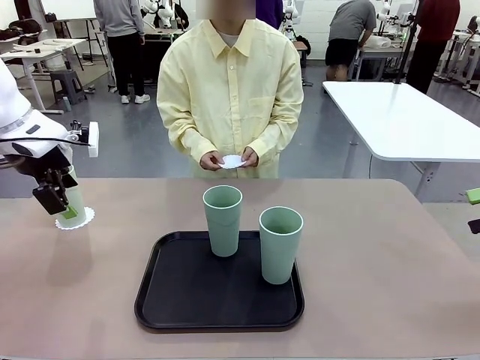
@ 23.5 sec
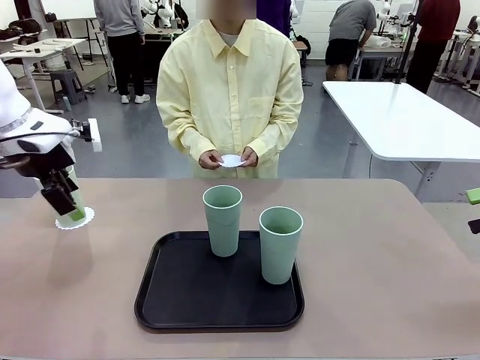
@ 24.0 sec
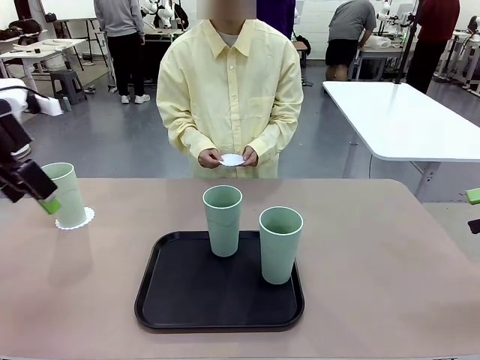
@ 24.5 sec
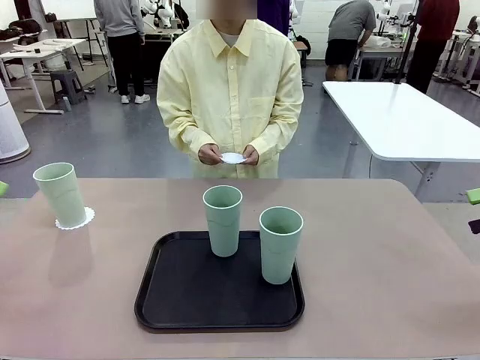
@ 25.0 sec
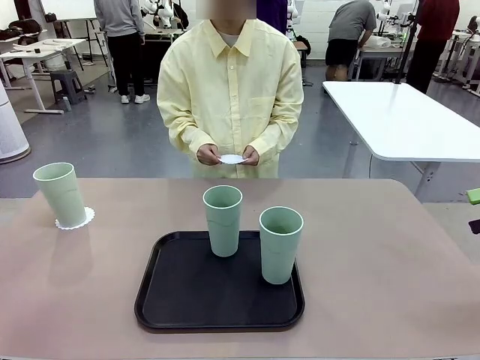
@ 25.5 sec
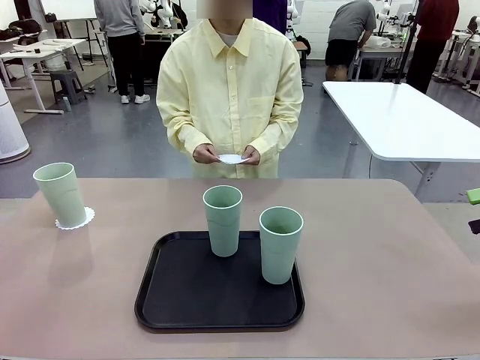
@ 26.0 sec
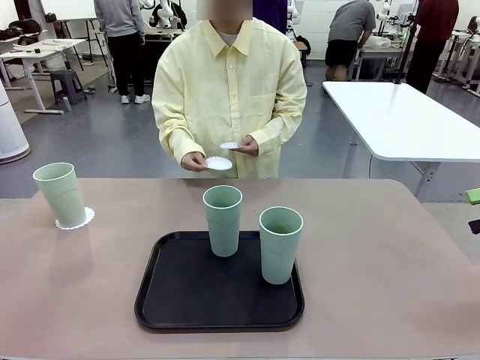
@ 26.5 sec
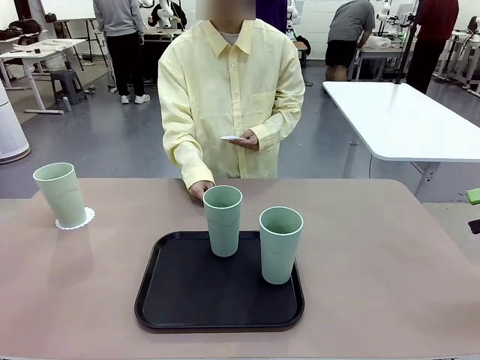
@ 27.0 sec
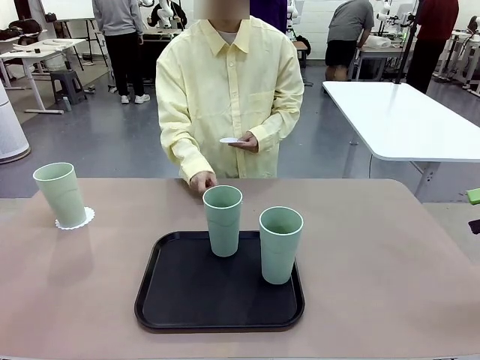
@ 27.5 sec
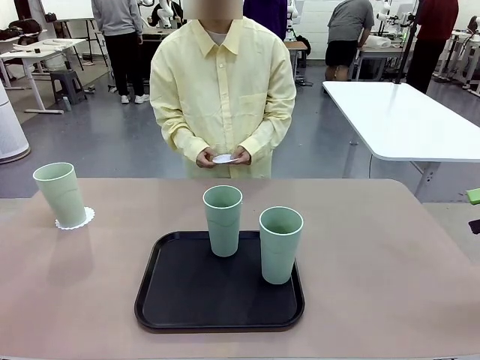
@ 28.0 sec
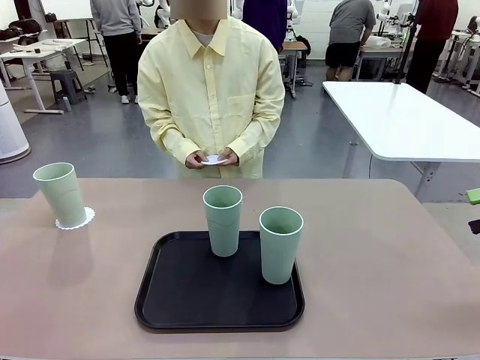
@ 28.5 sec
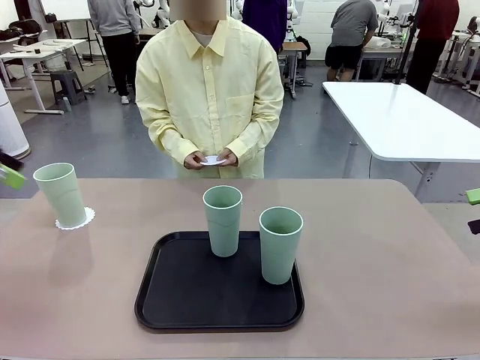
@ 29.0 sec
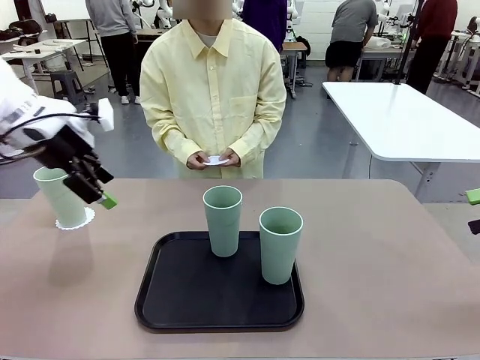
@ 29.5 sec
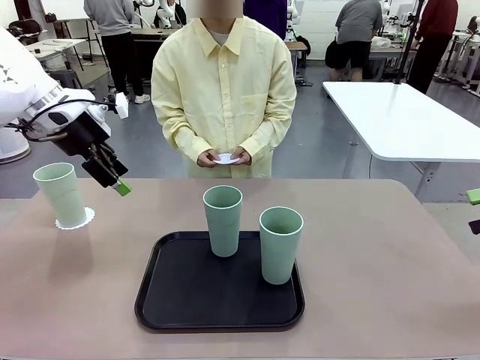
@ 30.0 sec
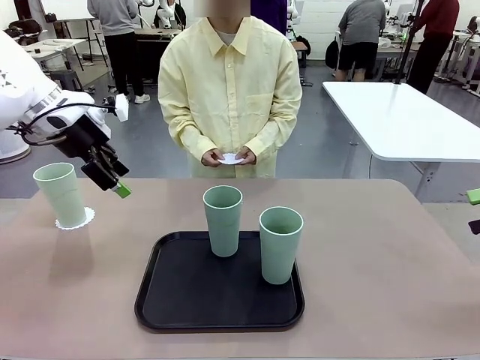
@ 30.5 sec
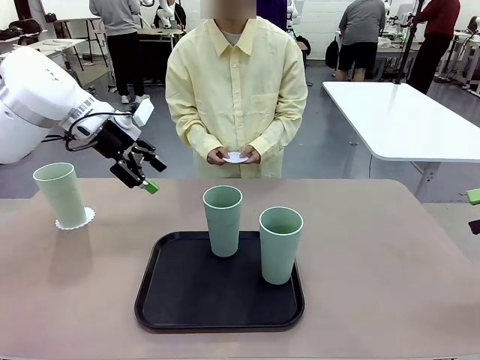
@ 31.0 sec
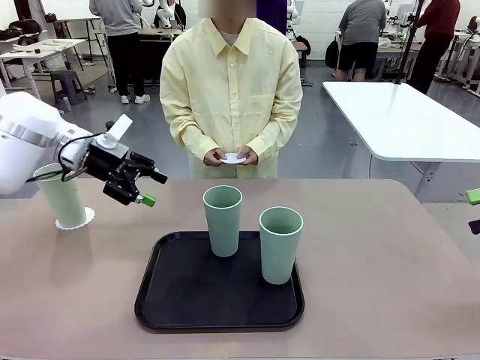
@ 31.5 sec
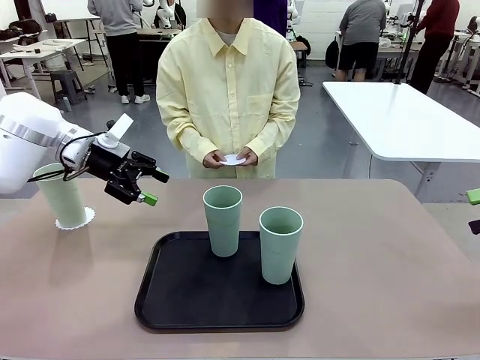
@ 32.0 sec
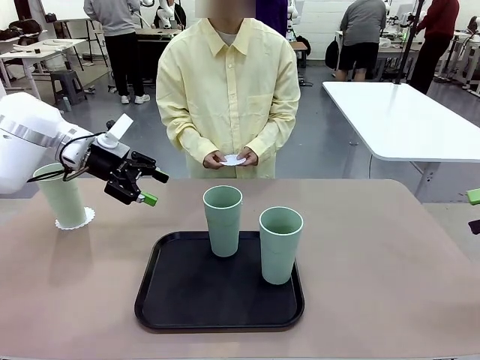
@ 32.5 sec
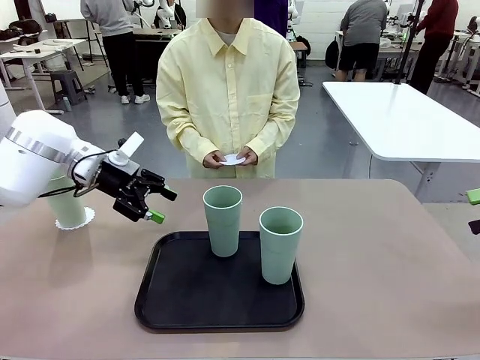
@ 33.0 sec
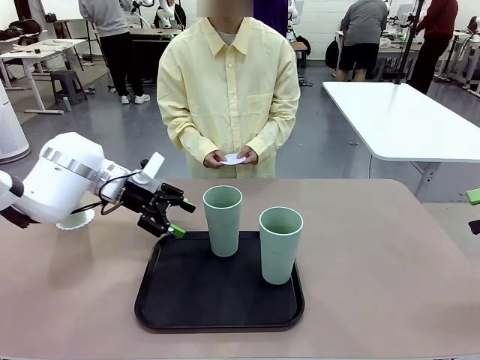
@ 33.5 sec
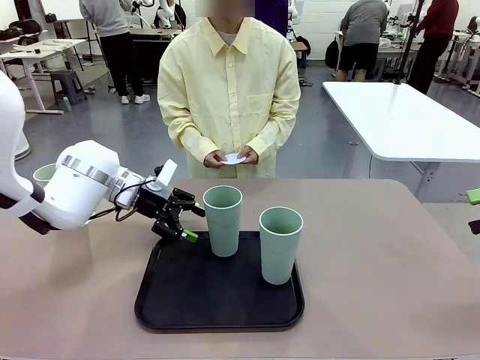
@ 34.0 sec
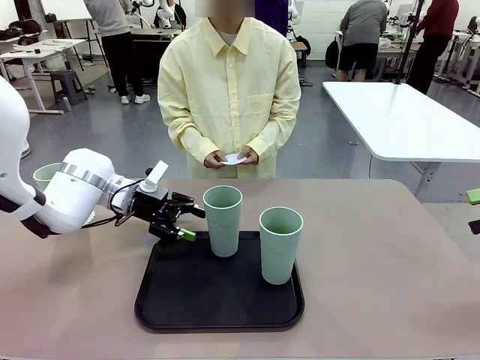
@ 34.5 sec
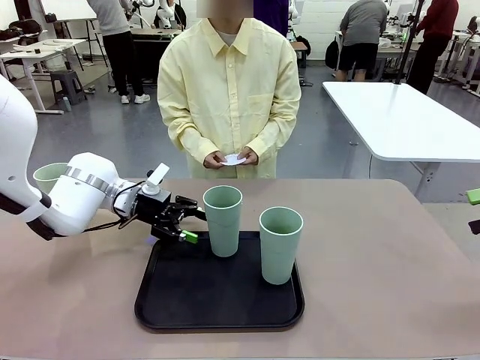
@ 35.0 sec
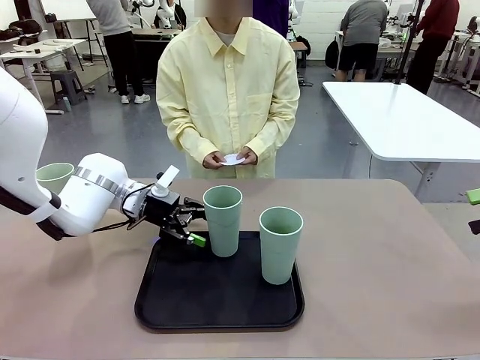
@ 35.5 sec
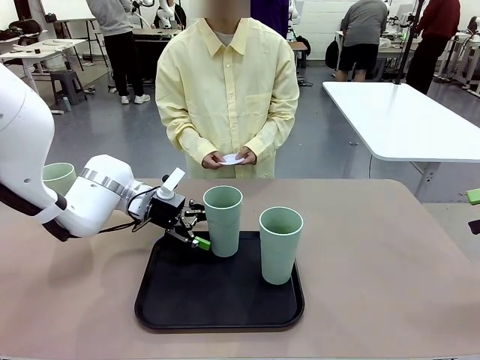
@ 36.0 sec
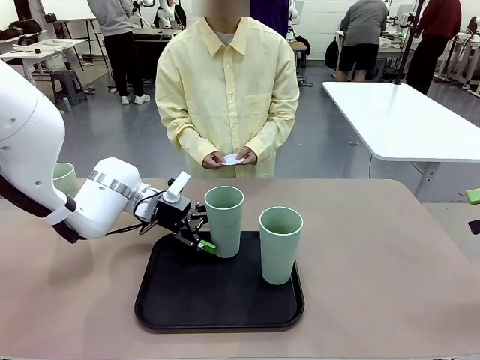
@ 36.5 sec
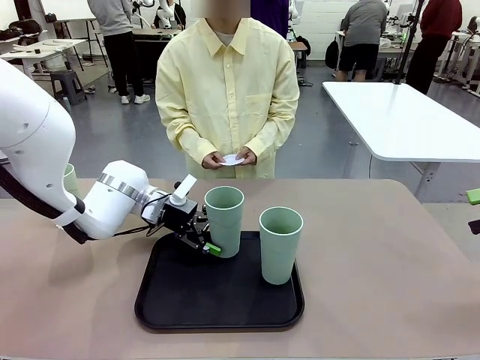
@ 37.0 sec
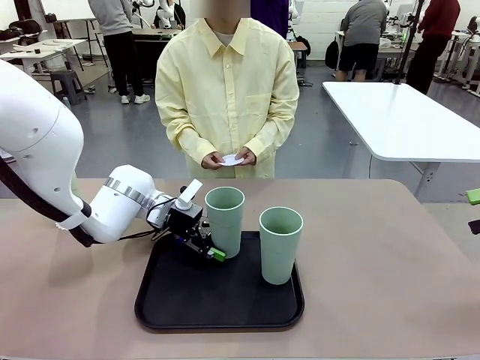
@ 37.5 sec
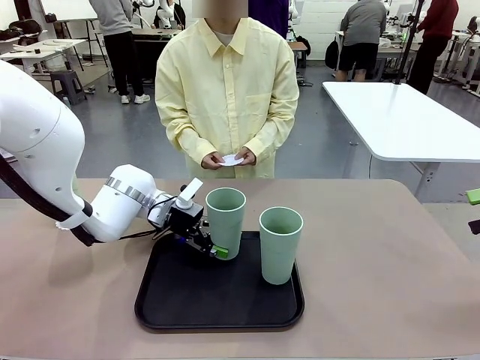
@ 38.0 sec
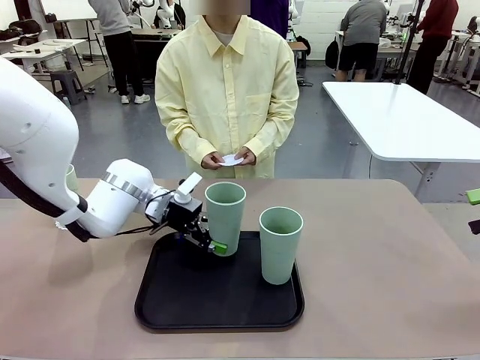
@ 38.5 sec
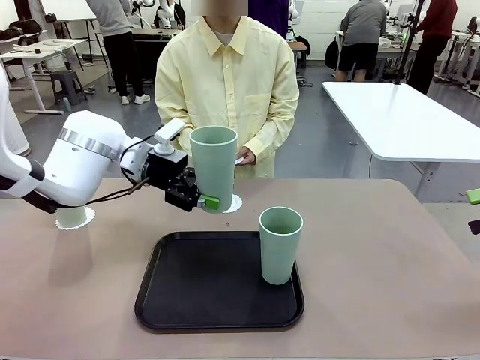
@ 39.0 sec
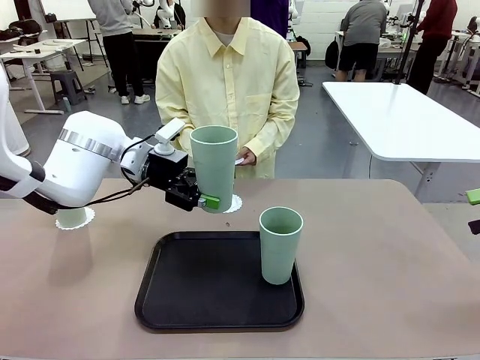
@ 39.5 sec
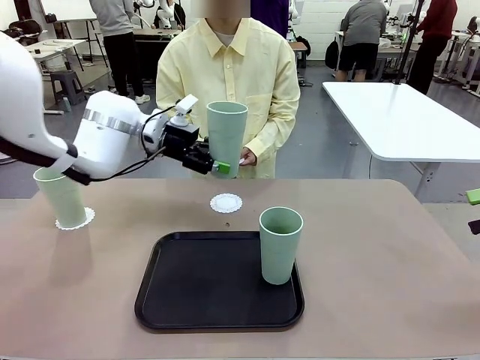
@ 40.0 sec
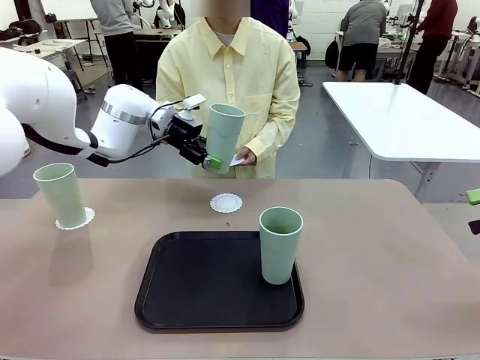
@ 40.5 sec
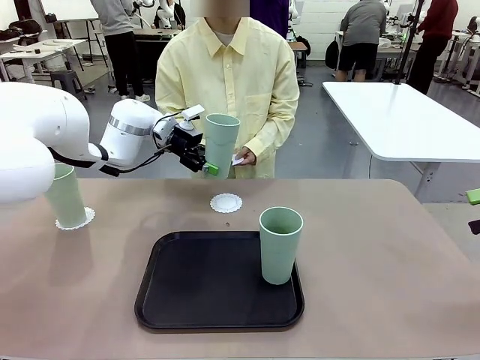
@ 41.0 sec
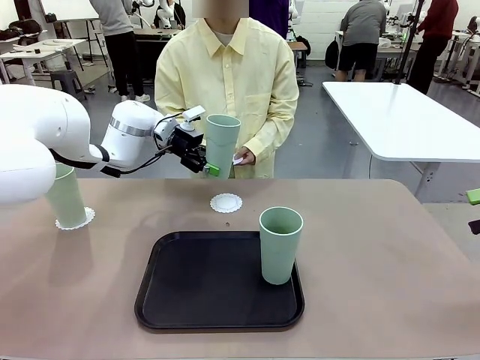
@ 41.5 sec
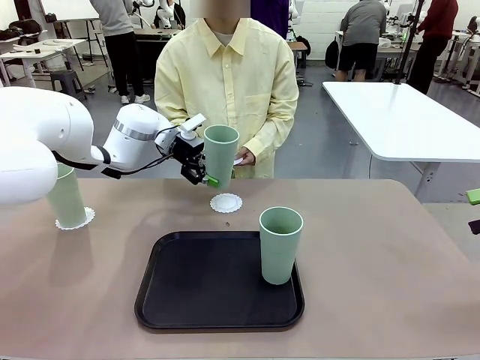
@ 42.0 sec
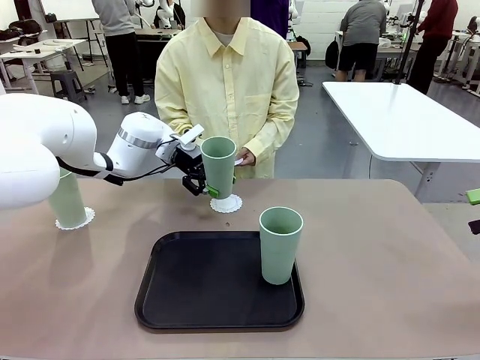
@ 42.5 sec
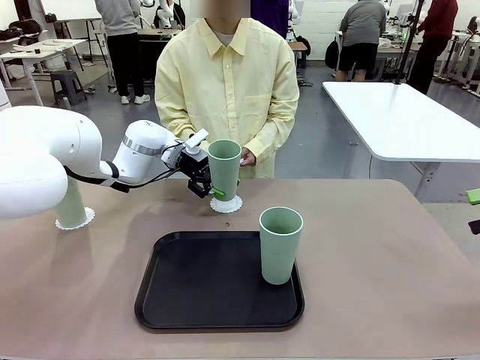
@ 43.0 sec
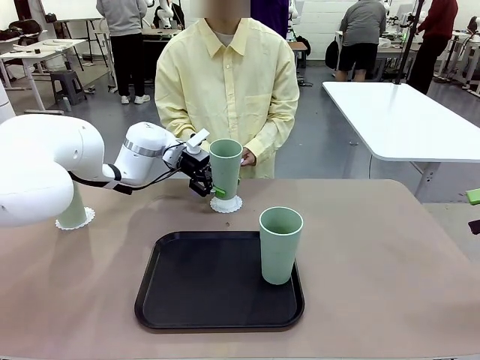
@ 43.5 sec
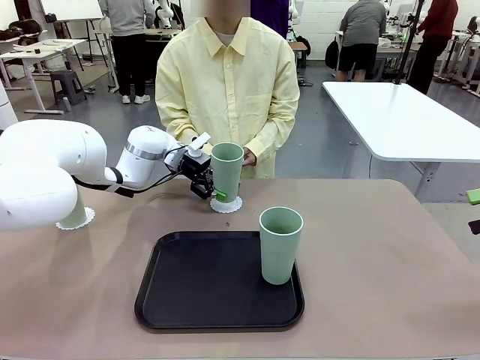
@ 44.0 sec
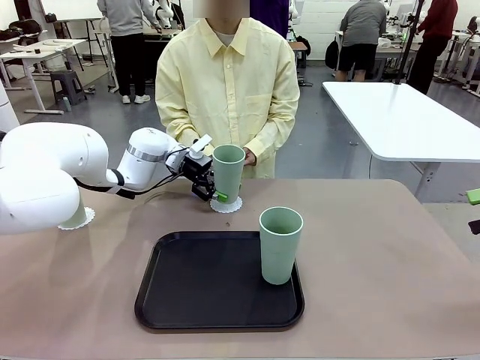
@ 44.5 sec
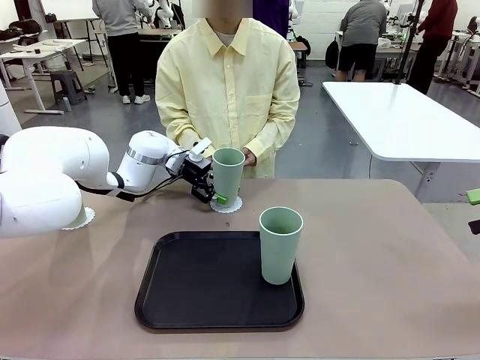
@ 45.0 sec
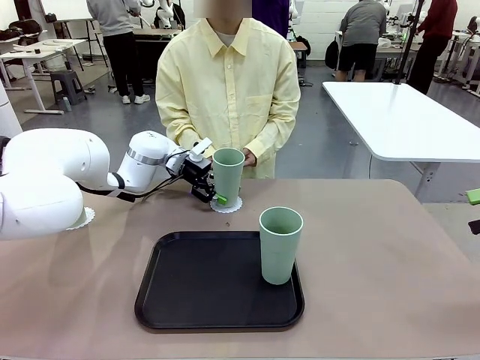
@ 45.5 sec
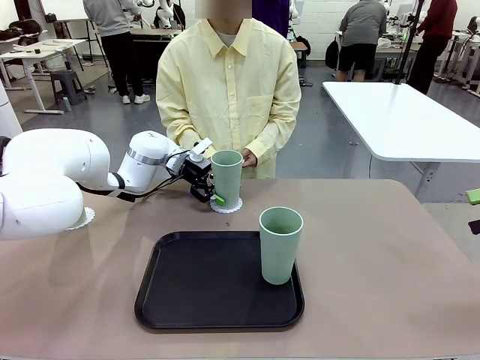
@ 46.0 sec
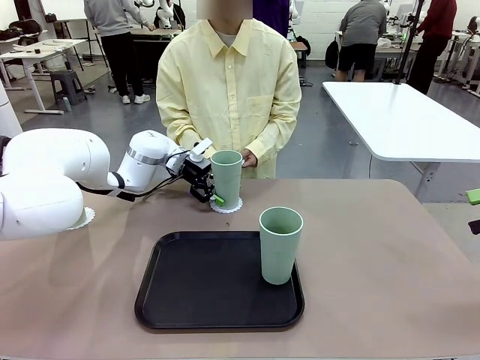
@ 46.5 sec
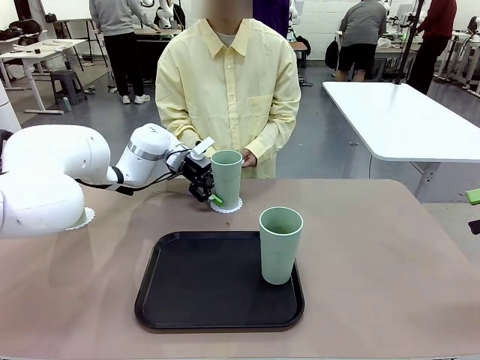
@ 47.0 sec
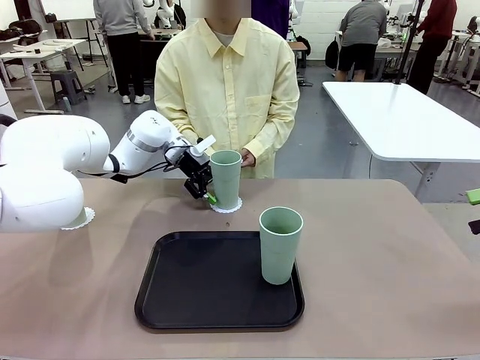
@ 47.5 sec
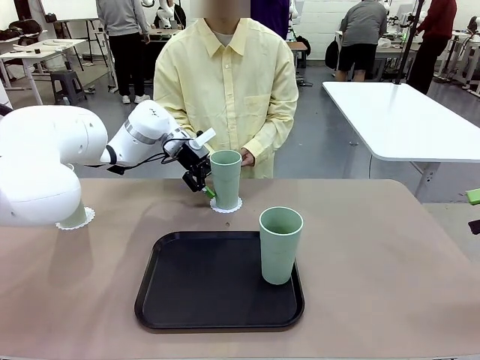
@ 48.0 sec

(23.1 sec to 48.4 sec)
Task: Place coasters on the table and set cups on them.
Robot: Take one Reusable plastic cup from the Flat Tray and place it on a coaster set by the human.
